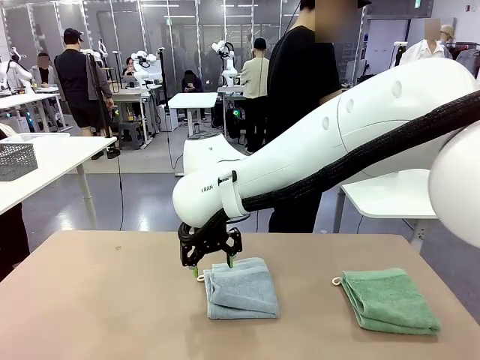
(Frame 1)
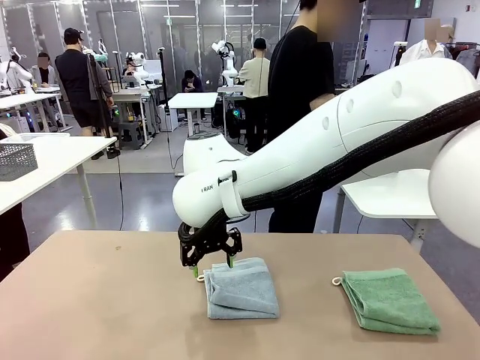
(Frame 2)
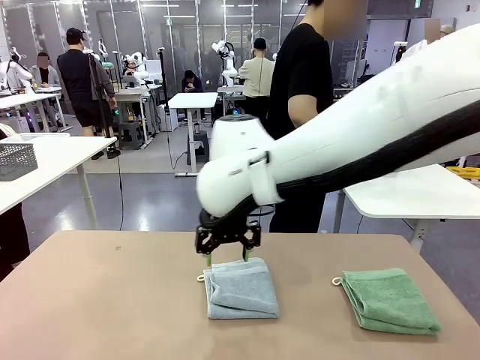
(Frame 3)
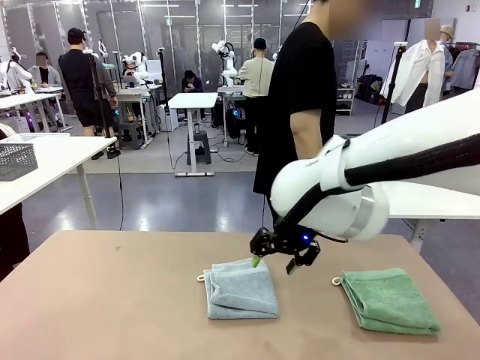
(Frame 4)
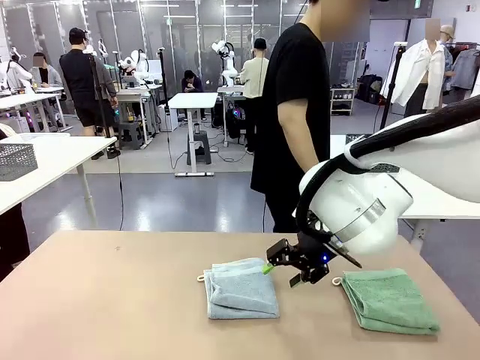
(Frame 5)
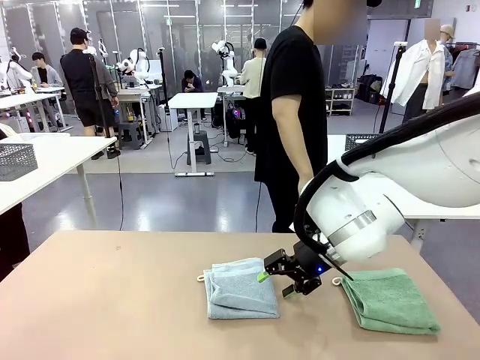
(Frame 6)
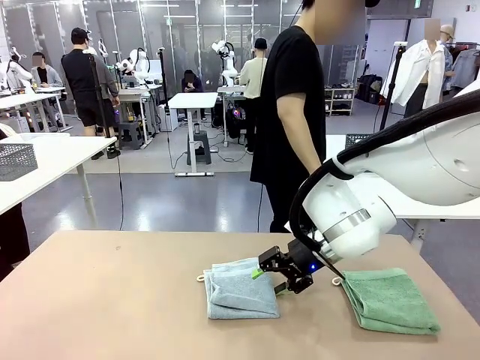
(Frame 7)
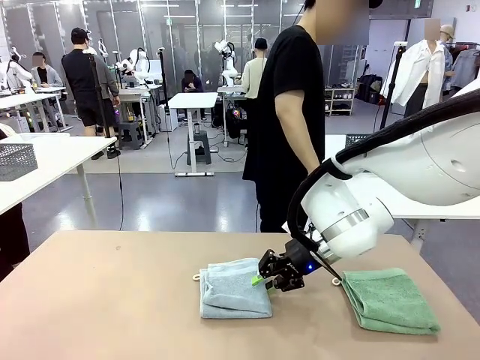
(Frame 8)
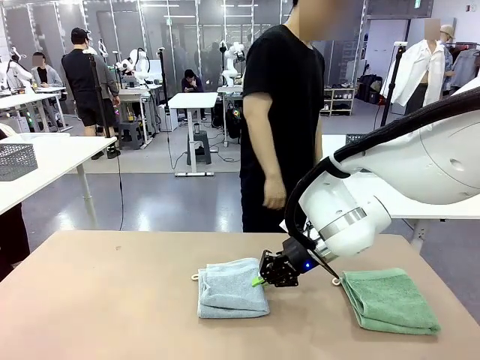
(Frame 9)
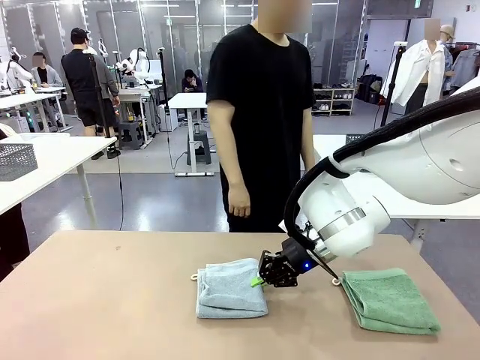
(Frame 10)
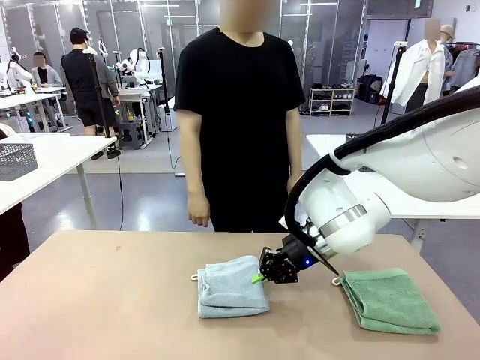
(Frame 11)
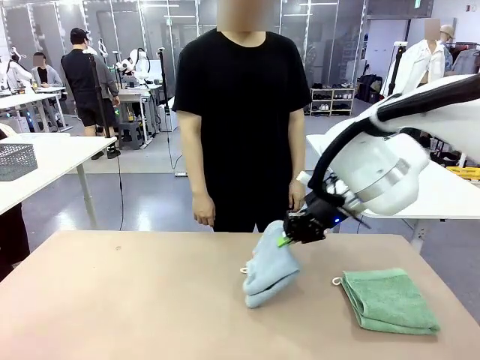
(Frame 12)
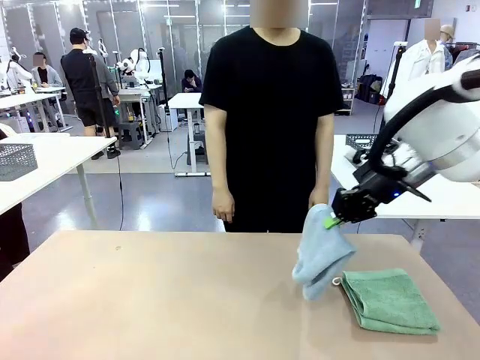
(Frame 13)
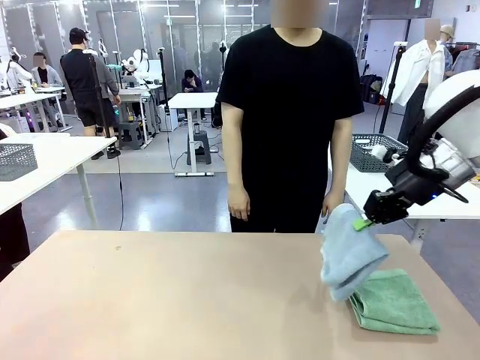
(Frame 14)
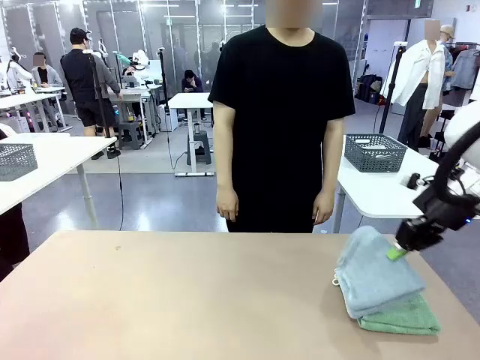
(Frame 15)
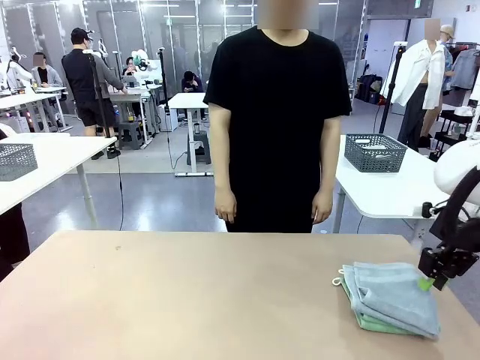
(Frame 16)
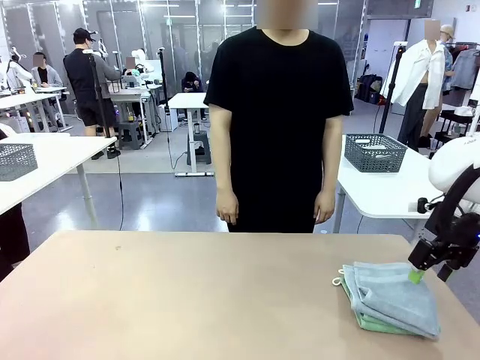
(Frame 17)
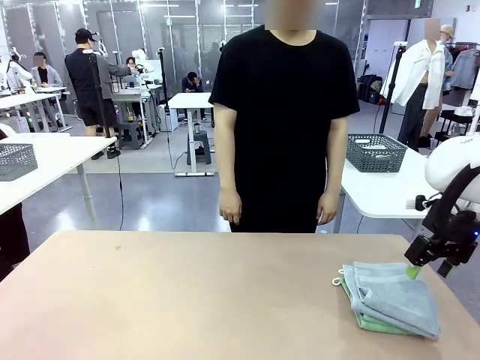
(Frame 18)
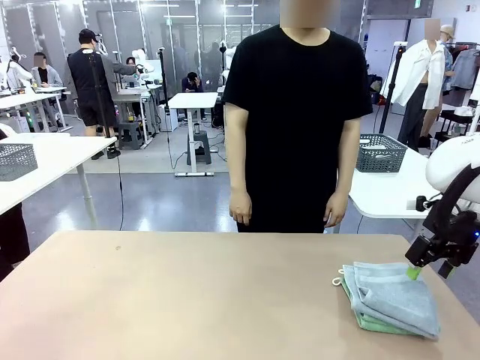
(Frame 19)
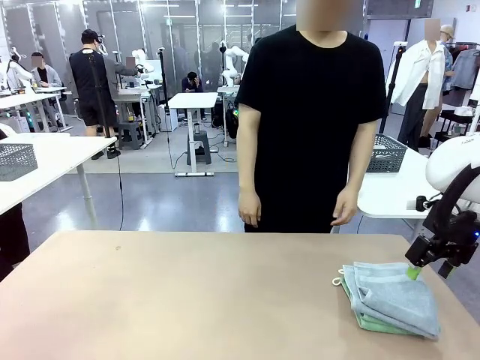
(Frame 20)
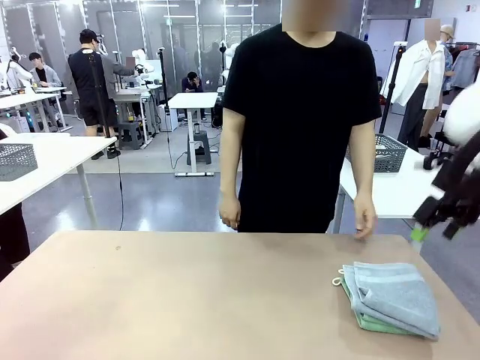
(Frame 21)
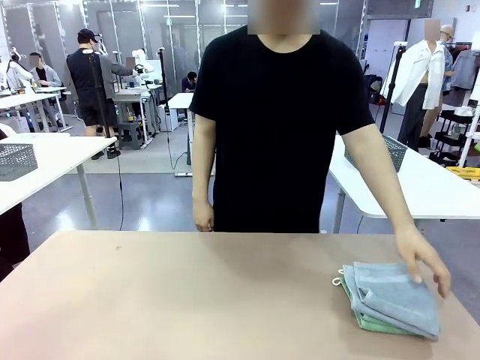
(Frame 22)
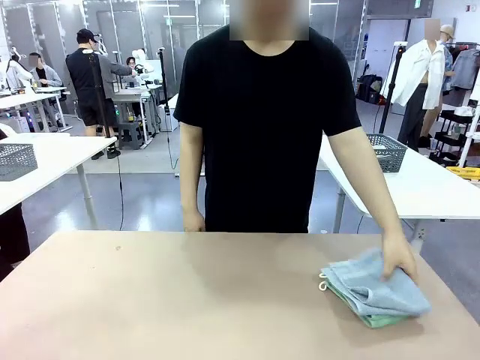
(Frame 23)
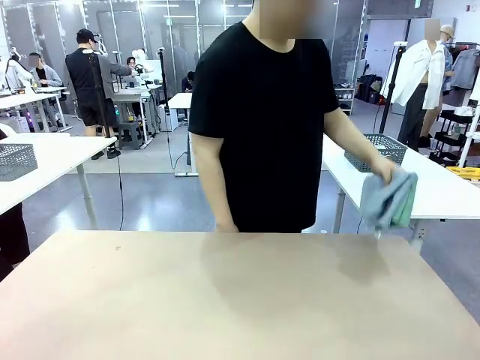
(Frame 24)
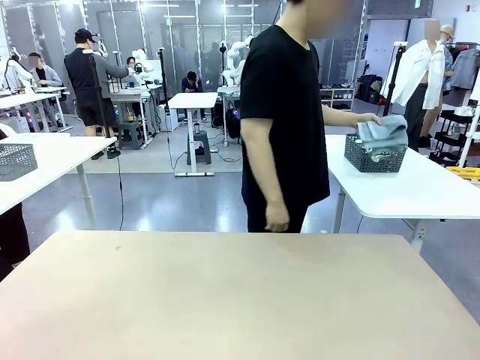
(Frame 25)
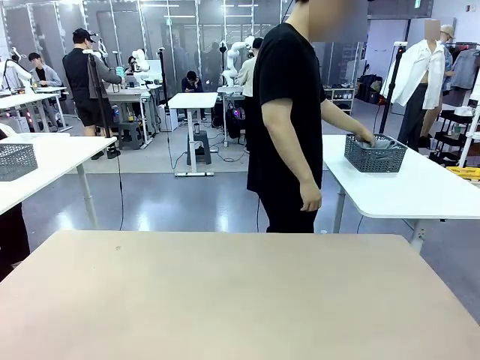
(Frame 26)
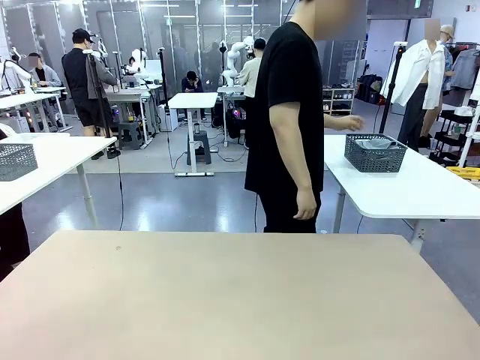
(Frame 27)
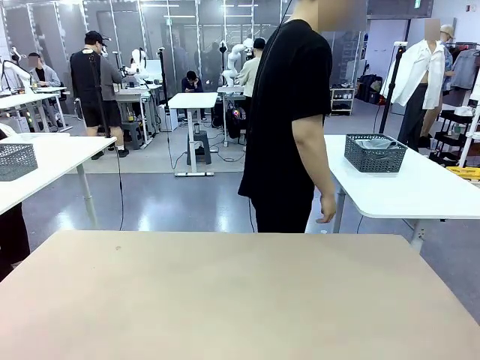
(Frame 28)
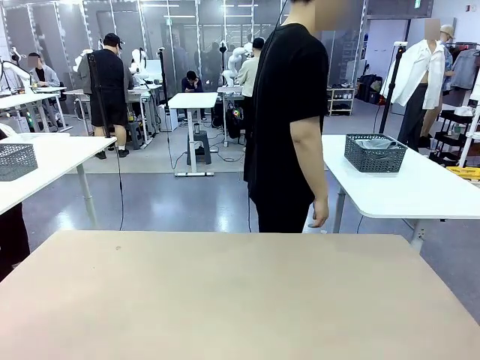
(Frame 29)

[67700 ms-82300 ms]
Task: Fold the towels and place them in the basket.
Robot: Stack the folded Towel with hook on the right side of the table.
Person: Pick up the stack of towels from the robot table and place it into the basket.

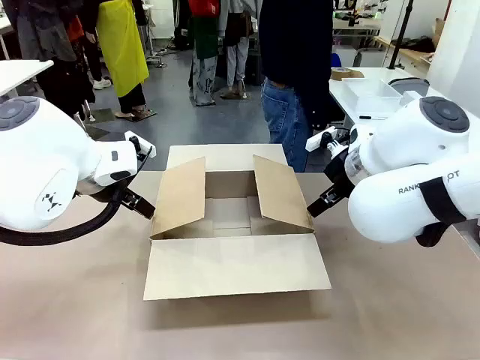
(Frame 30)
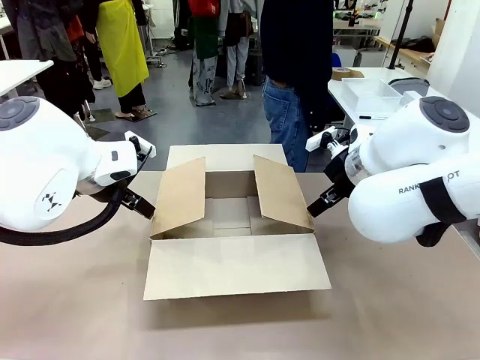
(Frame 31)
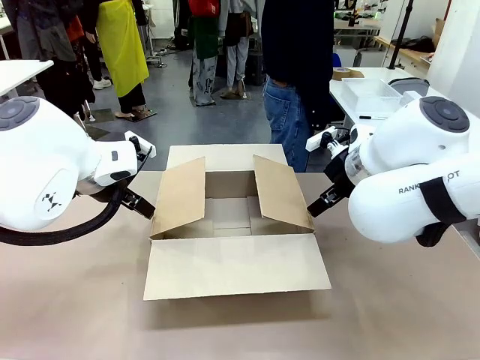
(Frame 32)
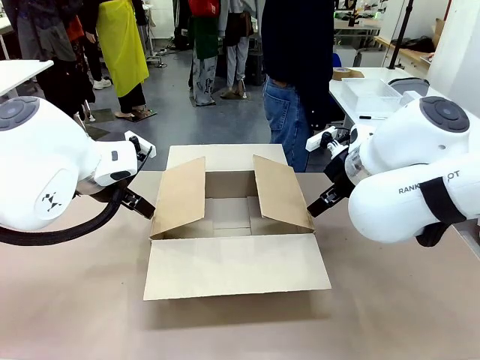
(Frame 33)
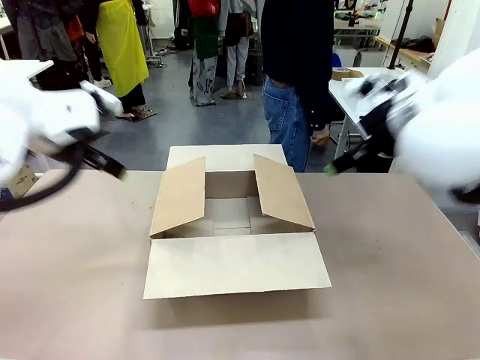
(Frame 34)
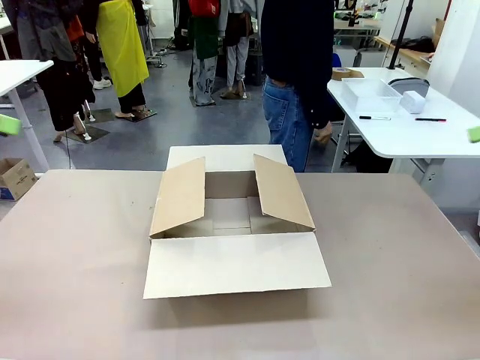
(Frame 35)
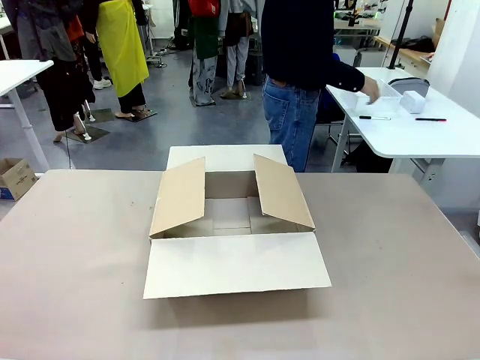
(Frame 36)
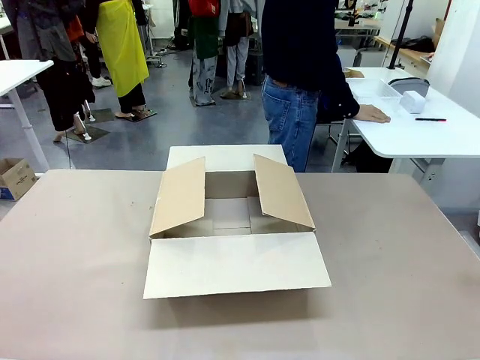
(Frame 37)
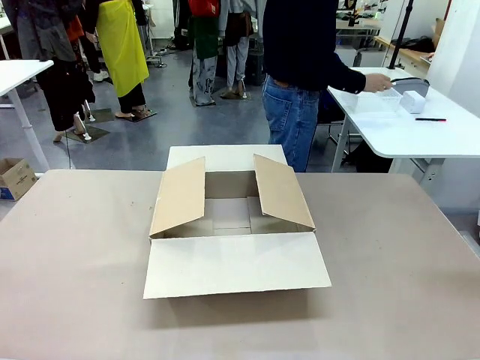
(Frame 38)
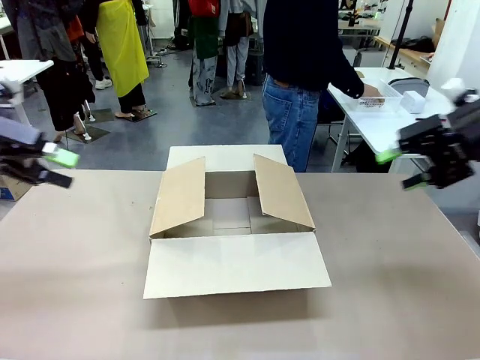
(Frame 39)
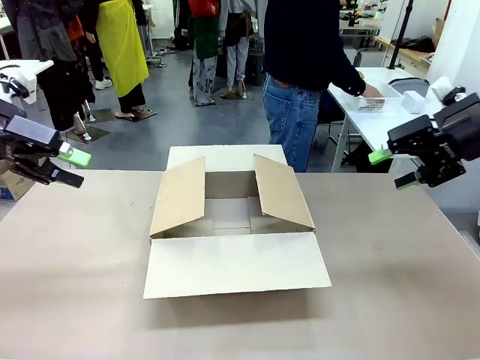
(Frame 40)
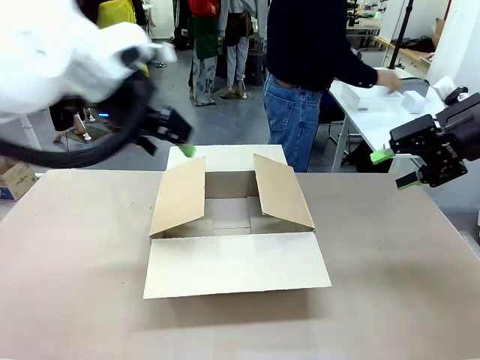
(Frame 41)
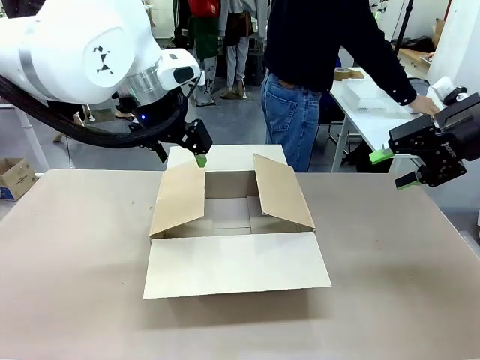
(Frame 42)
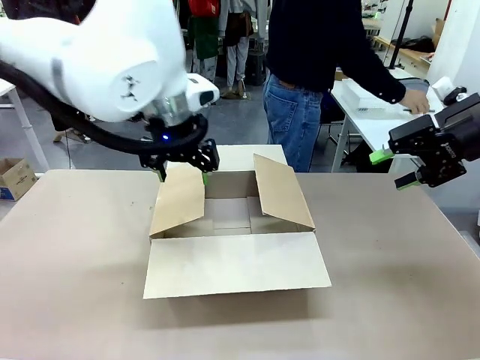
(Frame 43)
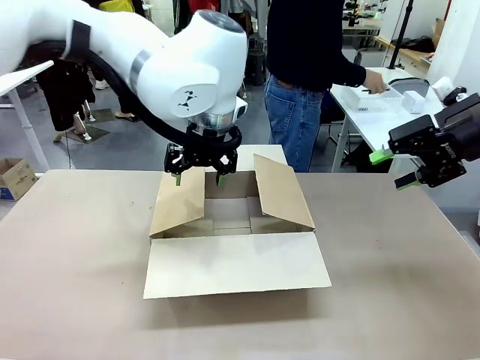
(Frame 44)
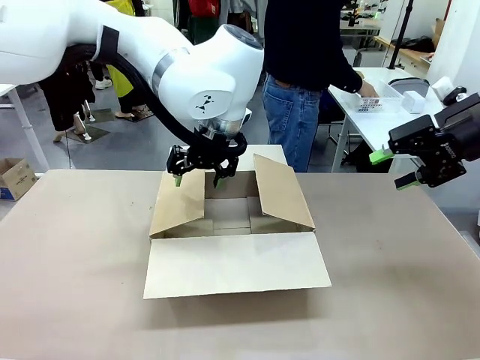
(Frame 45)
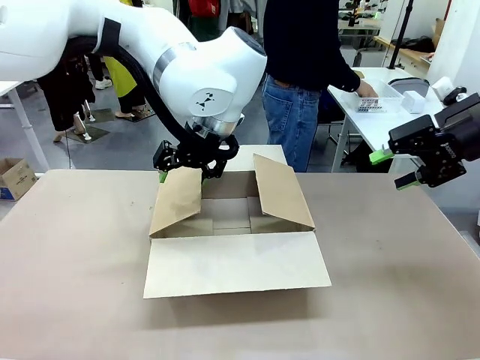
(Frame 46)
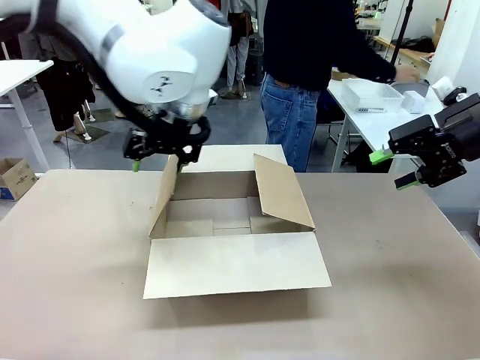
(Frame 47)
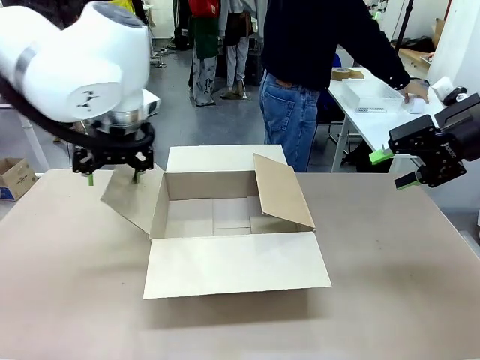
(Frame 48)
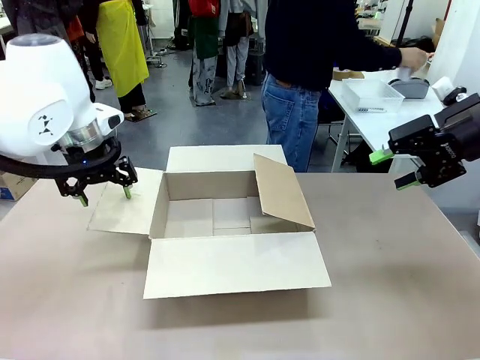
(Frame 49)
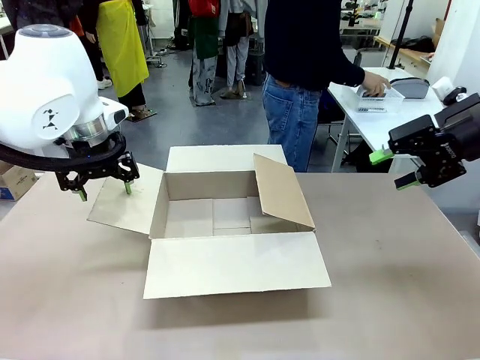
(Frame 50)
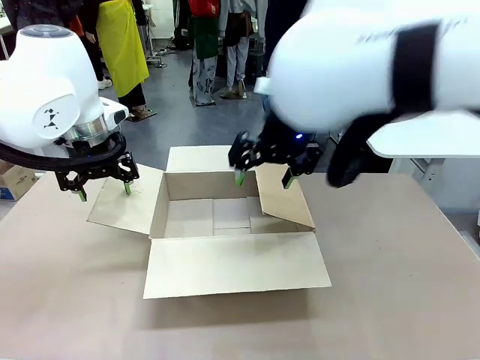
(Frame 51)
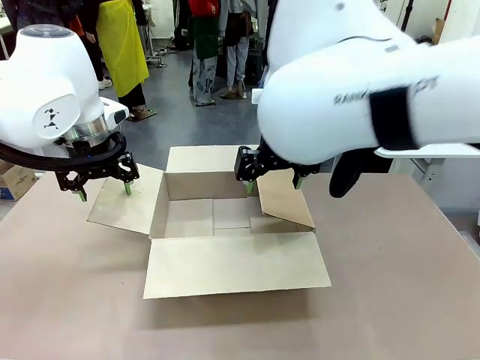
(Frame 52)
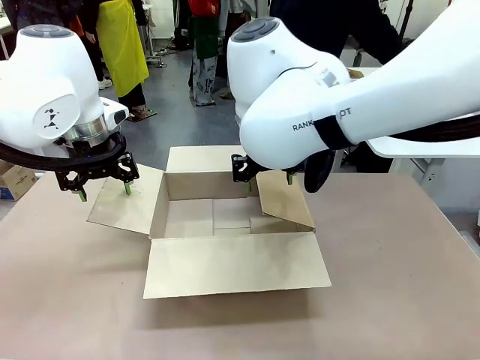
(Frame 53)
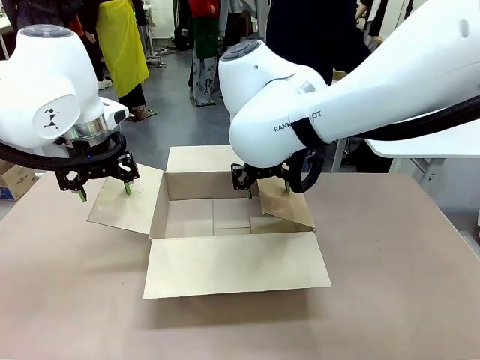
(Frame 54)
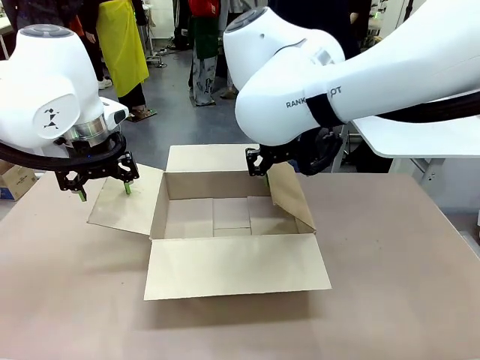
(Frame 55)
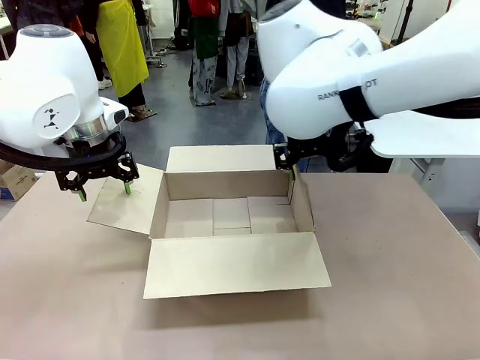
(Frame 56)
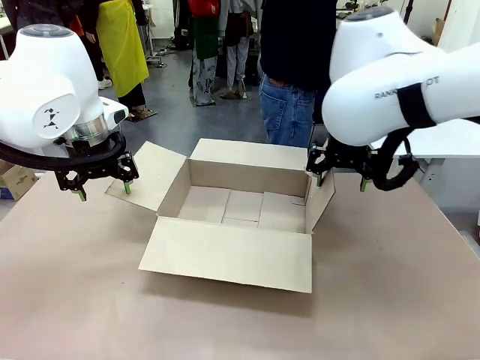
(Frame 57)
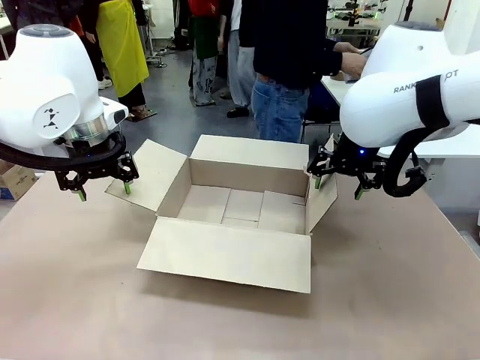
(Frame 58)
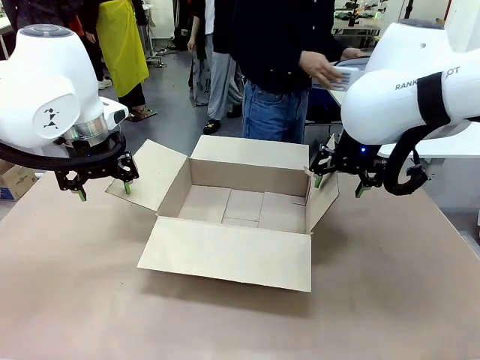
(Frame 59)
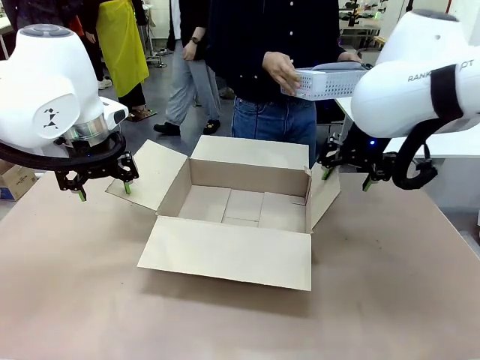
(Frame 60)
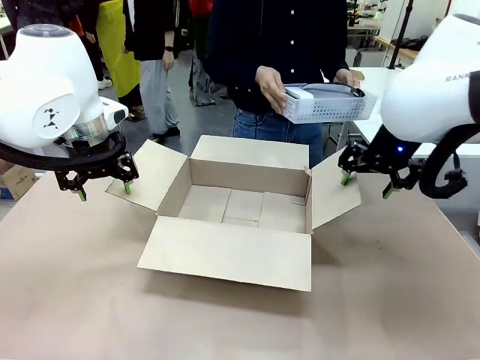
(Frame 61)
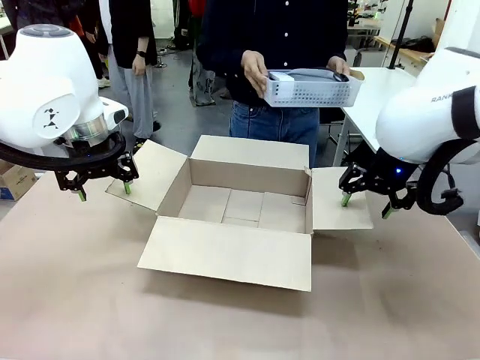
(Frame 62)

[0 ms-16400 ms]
Task: Pack the gift set into the box.
Robot: Place both hands on the side flaps of the Package Box and spread them outward.
Person: The human places all items except the paper tape into the organizing basket.
